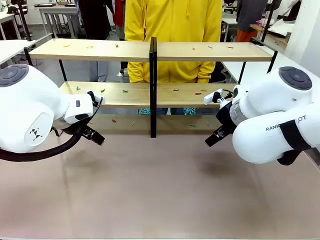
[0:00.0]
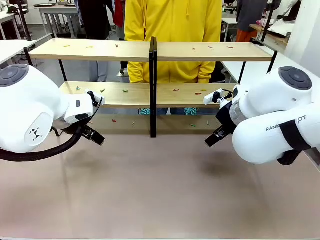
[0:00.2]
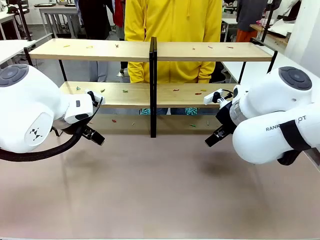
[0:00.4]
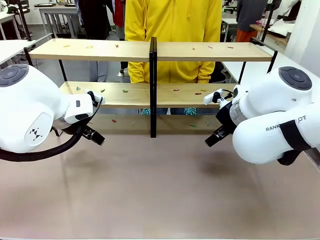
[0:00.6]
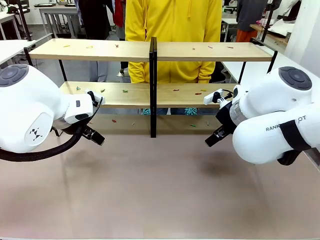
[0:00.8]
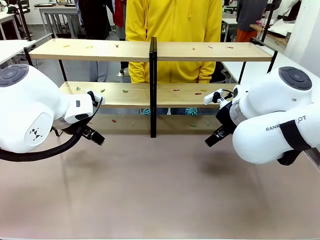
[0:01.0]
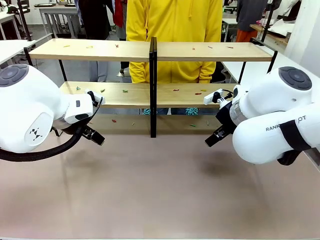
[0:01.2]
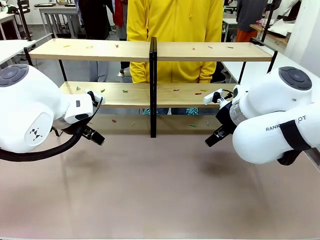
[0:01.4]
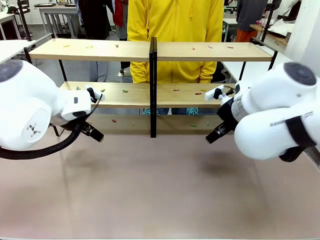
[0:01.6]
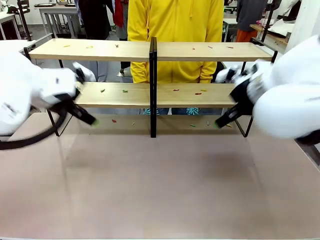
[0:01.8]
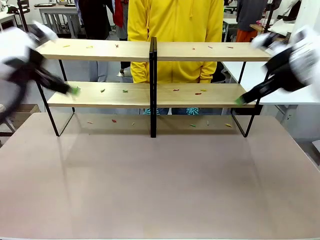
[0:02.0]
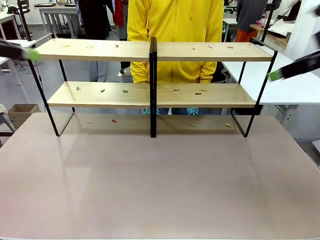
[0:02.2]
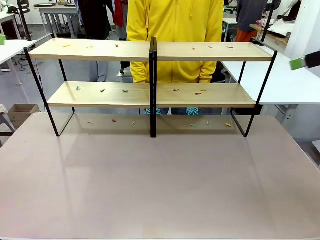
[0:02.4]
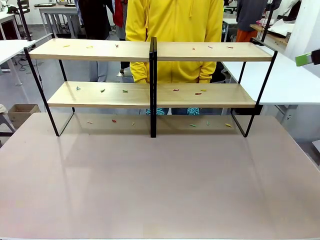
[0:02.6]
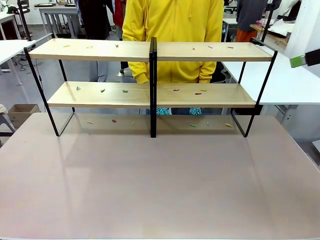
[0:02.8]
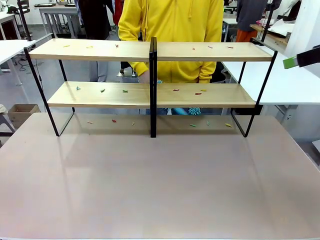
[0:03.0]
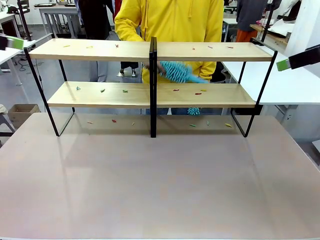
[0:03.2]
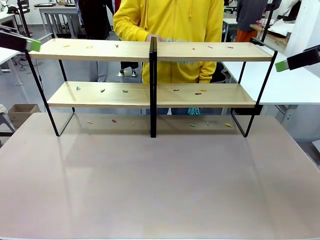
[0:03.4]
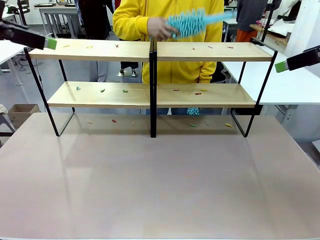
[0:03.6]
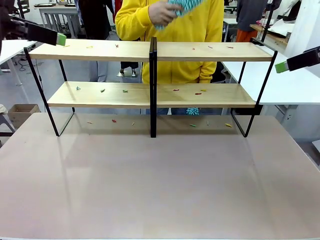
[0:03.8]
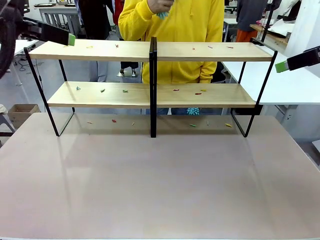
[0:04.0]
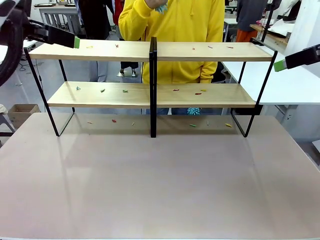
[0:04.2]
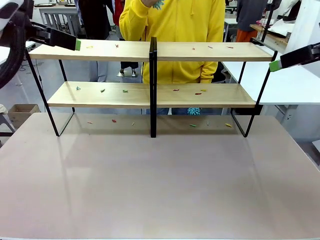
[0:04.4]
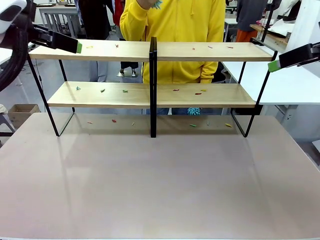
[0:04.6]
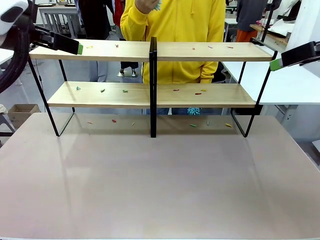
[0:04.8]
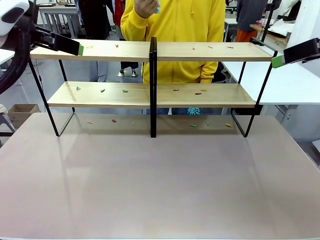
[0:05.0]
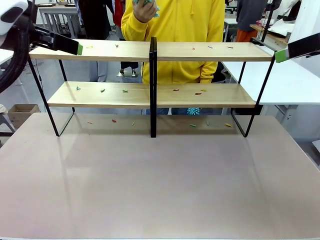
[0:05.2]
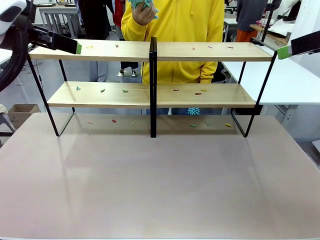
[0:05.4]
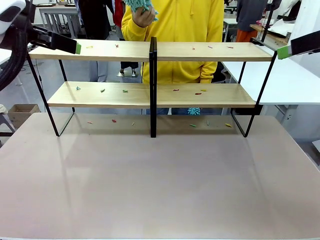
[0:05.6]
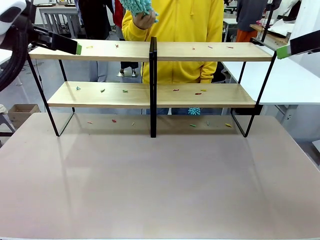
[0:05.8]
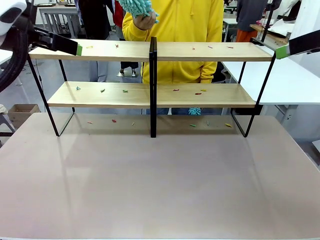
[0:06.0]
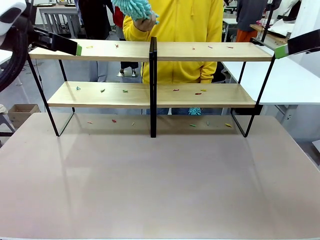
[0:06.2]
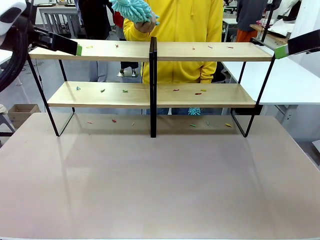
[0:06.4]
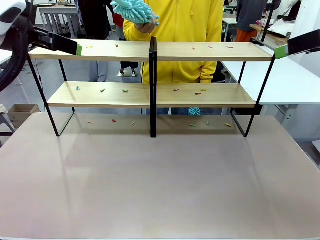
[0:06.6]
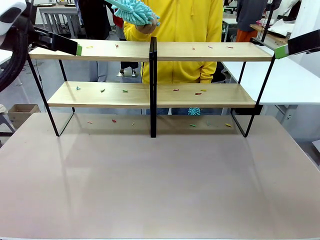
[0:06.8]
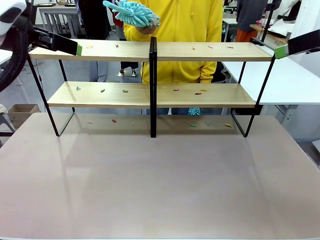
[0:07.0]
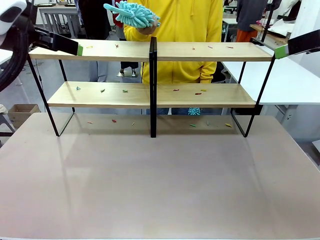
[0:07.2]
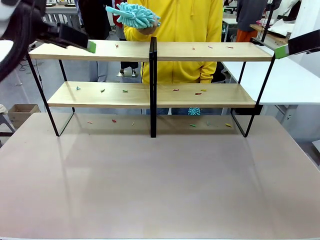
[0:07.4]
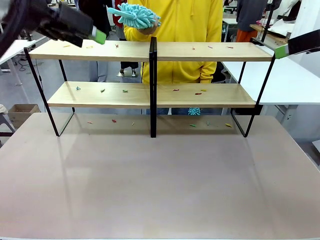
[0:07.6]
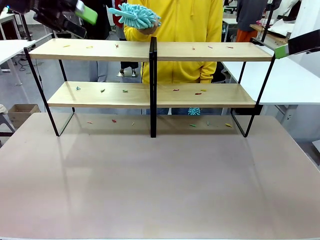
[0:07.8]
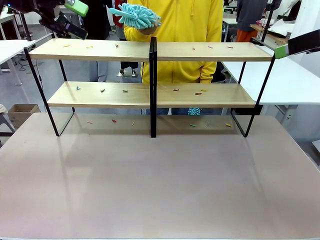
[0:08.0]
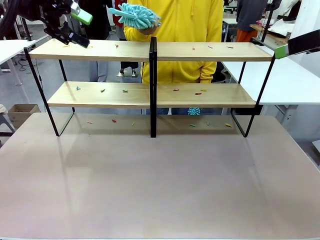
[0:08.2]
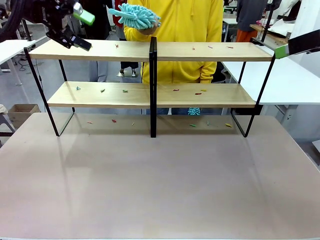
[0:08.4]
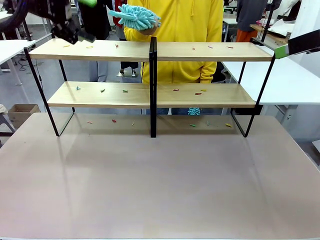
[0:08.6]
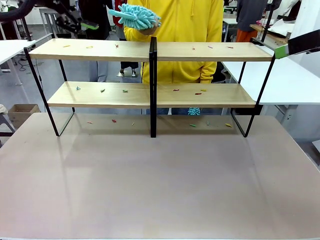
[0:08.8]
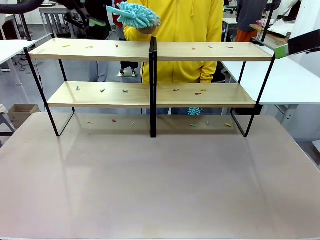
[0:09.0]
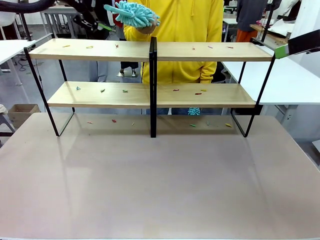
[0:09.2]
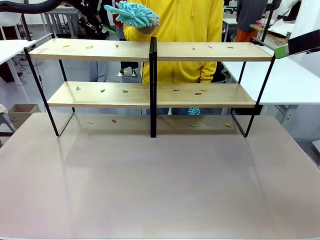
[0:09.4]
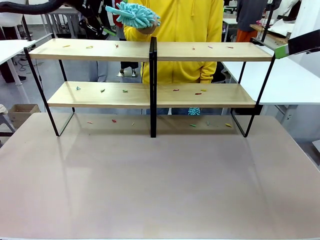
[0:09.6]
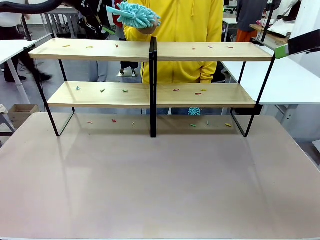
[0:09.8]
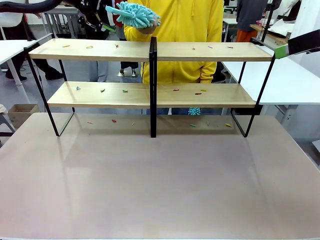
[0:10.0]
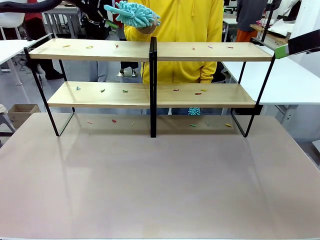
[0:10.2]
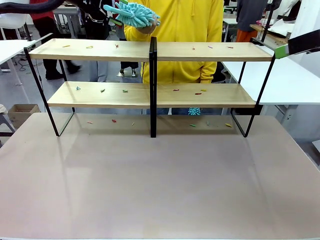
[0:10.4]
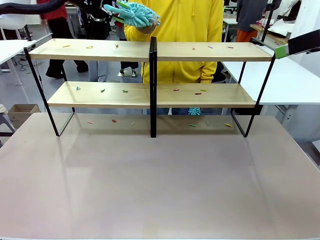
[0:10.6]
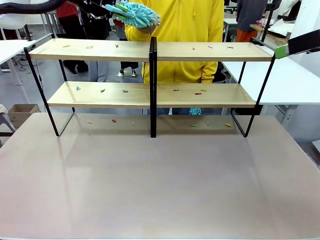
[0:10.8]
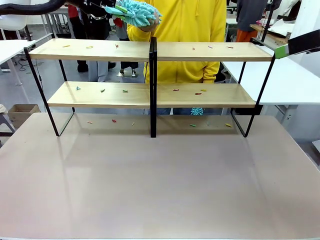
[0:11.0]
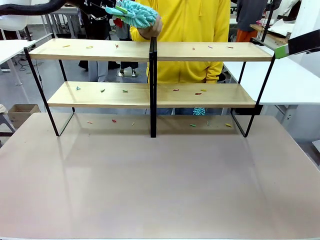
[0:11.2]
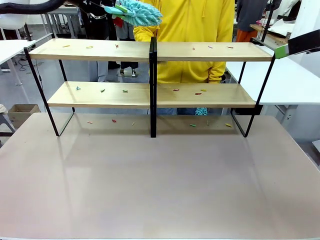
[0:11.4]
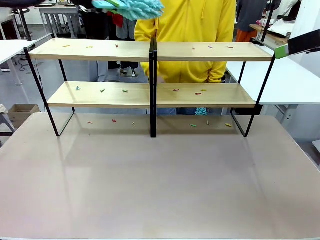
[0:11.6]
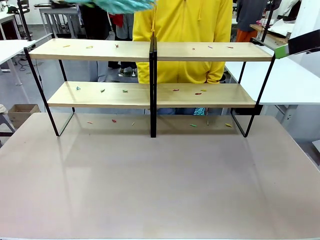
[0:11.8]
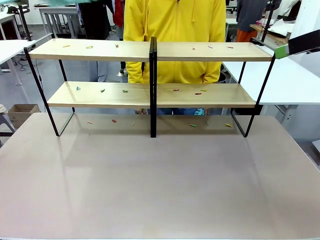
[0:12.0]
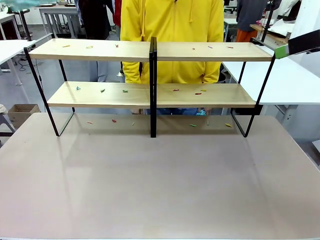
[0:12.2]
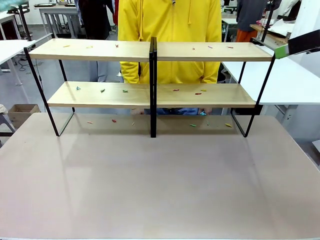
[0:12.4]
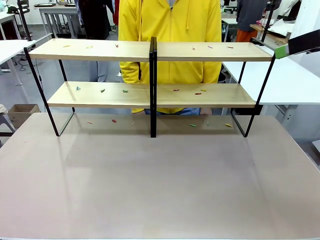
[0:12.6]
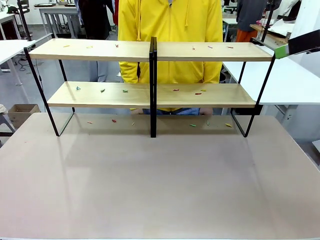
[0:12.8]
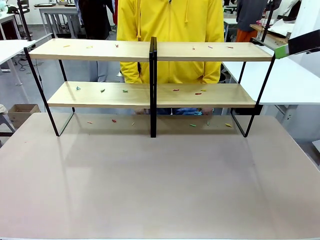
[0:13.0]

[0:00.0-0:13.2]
Task: Clean the shelves.
Robot: Pick up the Duster when the human hands it over.
Person: Hand the Duster to the robot with your right (or left) hand.

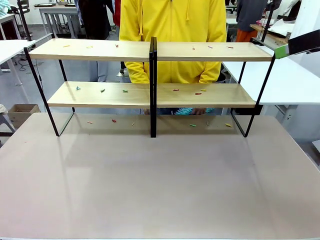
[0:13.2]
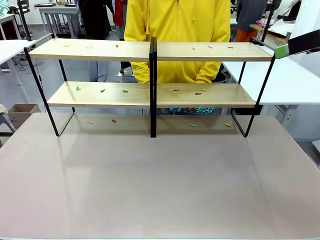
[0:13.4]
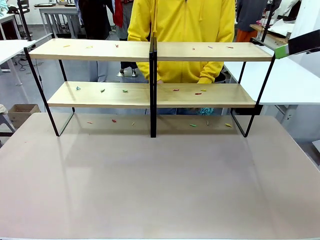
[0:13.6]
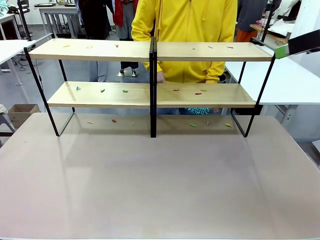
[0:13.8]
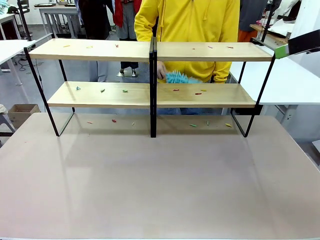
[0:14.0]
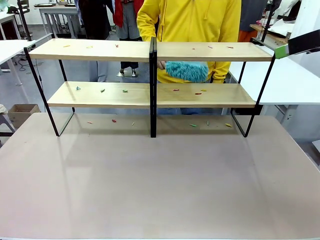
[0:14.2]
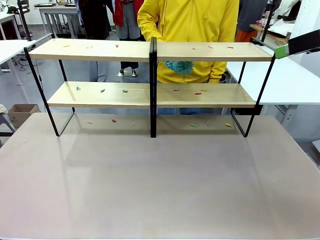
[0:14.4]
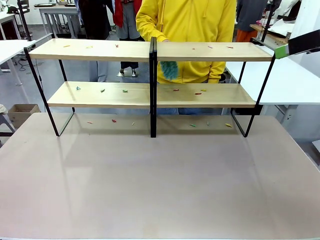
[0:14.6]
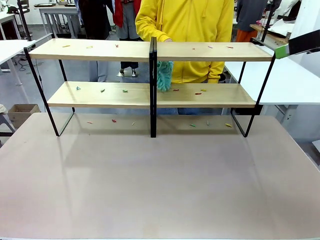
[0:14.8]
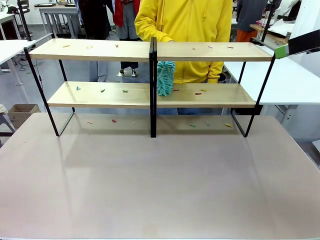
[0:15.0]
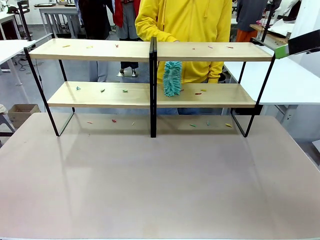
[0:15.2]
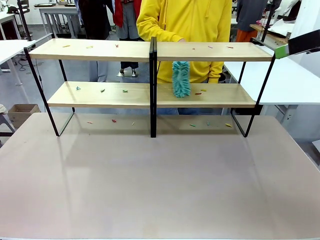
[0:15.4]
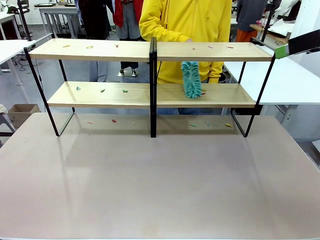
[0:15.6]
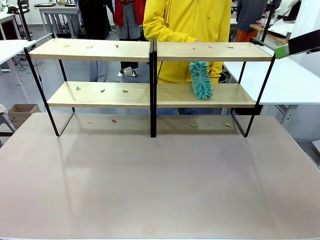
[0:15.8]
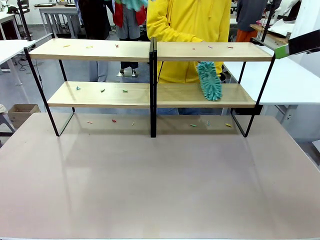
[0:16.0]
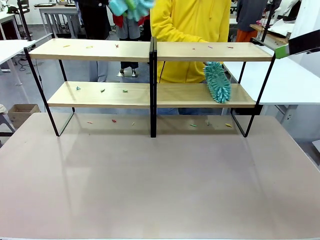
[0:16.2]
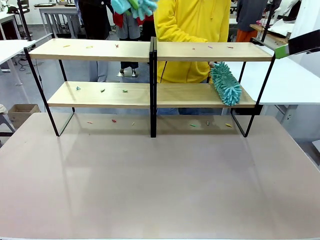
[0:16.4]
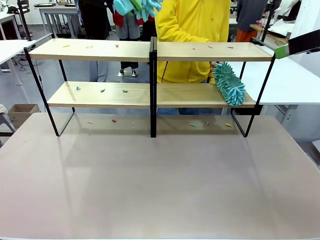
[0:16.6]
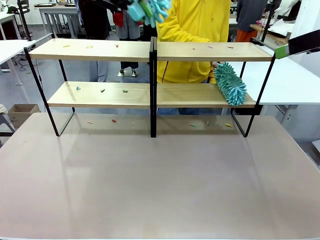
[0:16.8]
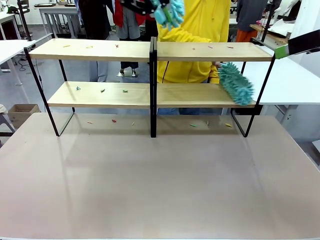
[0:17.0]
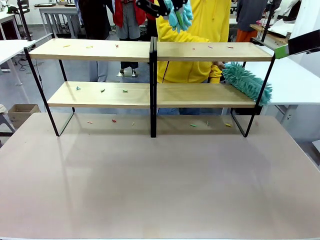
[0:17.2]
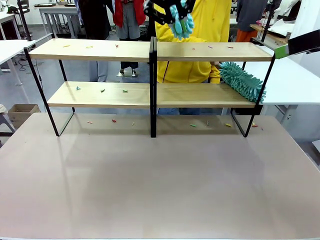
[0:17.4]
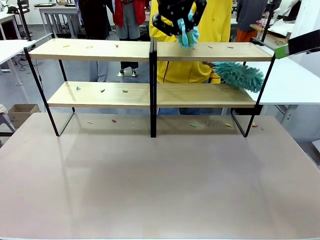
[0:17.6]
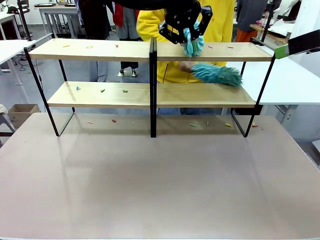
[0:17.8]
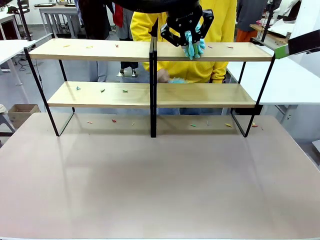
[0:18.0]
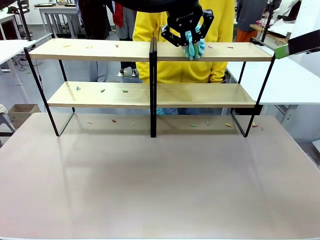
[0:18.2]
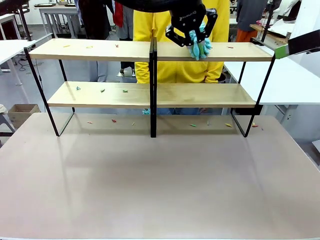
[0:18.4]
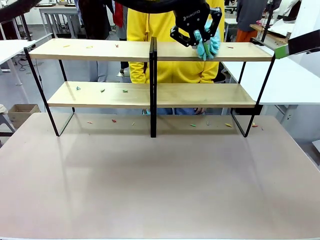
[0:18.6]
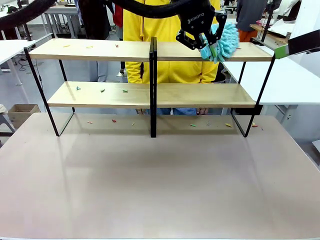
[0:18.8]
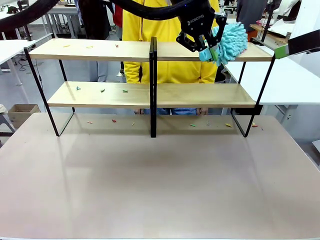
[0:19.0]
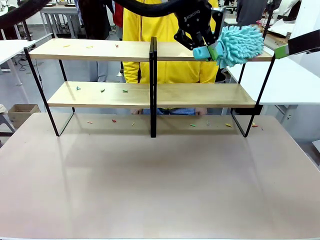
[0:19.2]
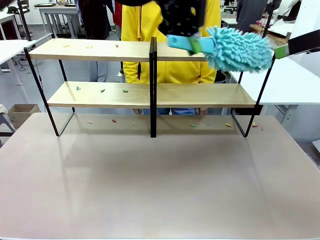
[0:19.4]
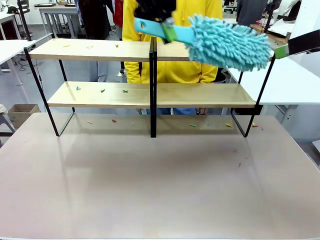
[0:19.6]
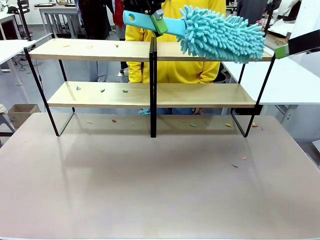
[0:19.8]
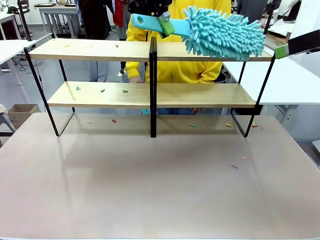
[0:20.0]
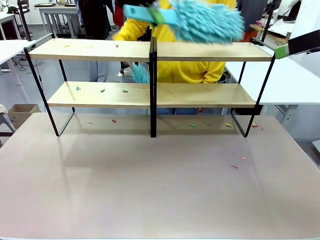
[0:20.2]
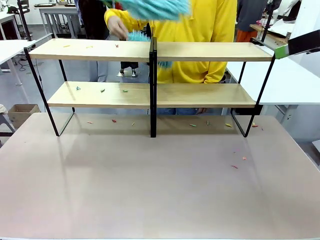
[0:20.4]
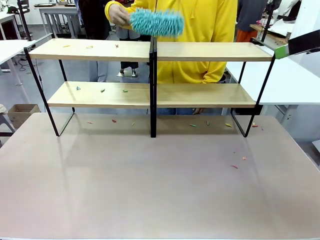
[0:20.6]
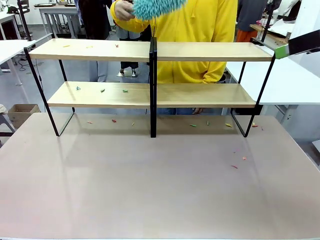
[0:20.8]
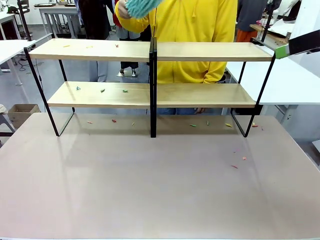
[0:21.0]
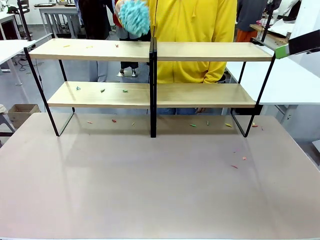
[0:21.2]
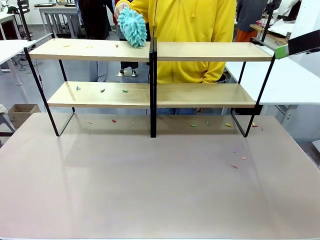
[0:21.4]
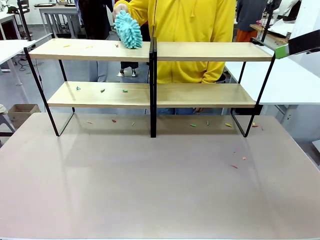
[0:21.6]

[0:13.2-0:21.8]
Robot: Clean a randomly selected level of the Shelf with the Duster.
